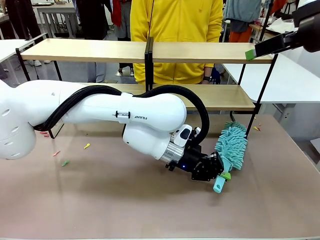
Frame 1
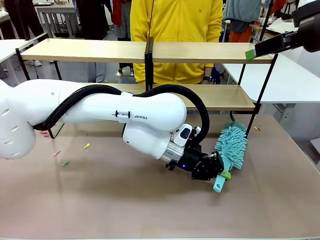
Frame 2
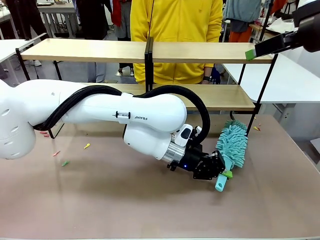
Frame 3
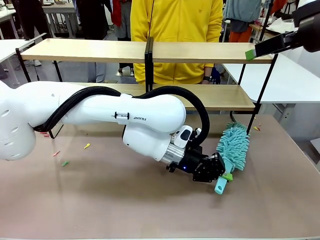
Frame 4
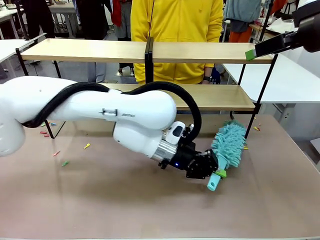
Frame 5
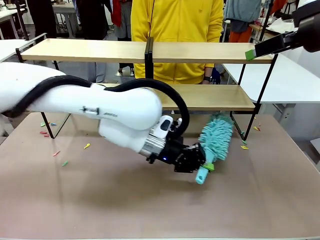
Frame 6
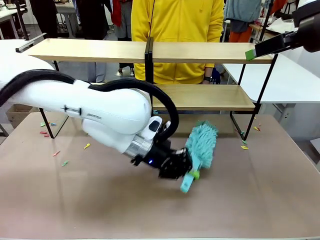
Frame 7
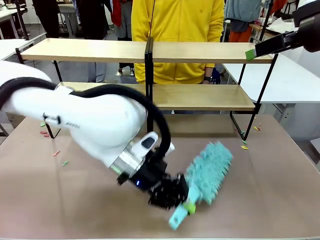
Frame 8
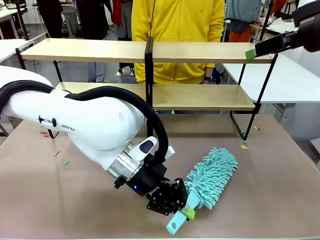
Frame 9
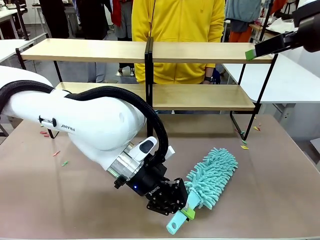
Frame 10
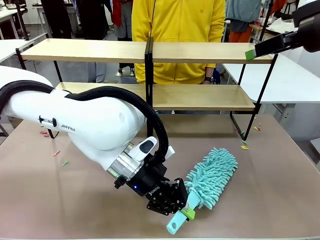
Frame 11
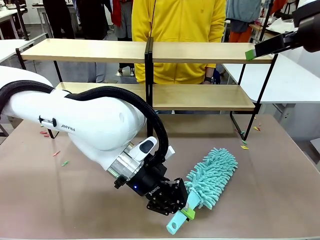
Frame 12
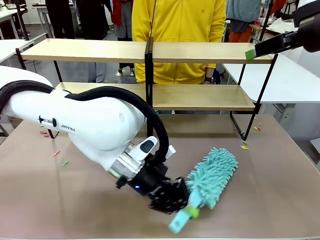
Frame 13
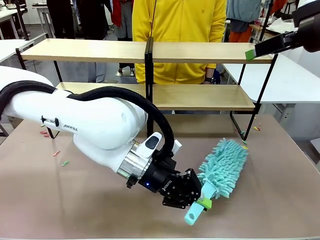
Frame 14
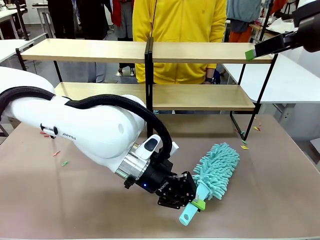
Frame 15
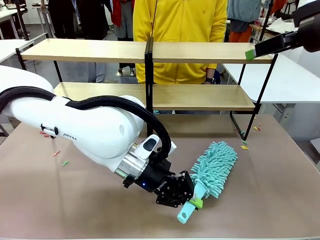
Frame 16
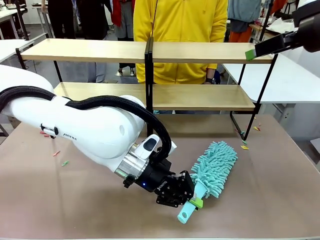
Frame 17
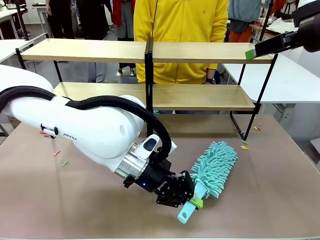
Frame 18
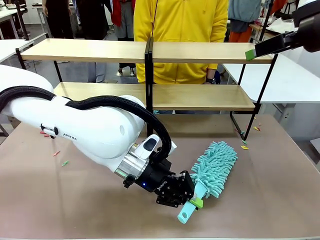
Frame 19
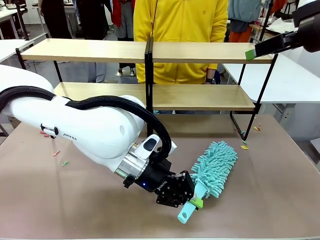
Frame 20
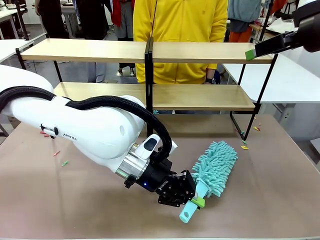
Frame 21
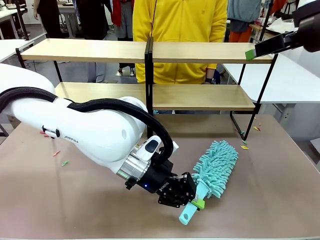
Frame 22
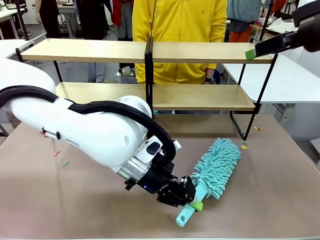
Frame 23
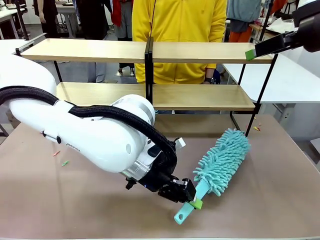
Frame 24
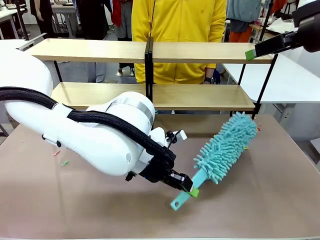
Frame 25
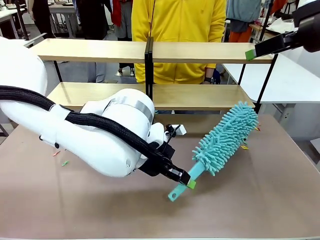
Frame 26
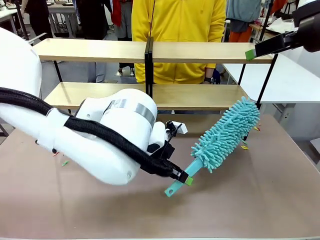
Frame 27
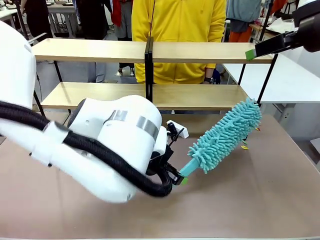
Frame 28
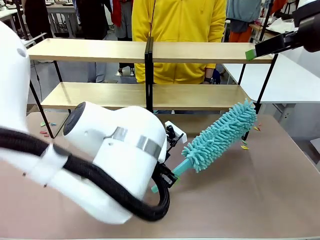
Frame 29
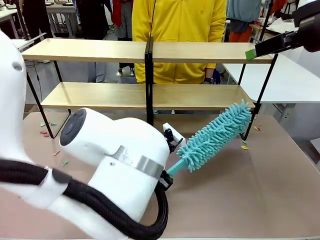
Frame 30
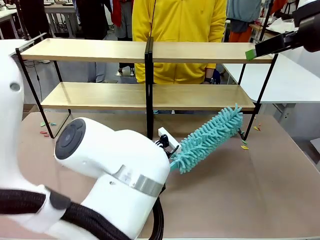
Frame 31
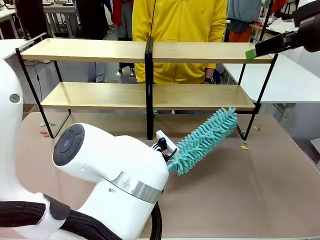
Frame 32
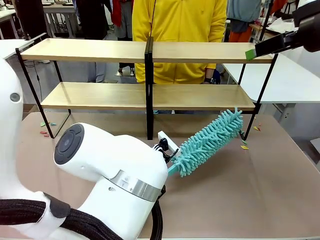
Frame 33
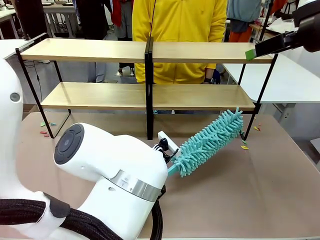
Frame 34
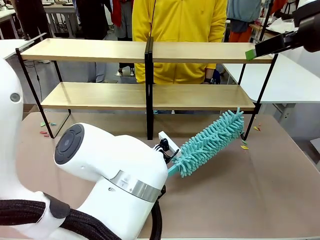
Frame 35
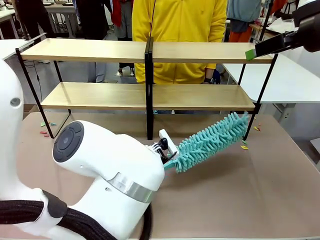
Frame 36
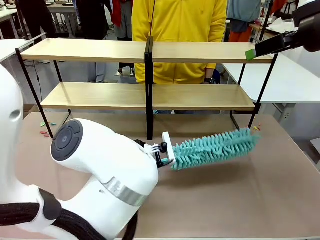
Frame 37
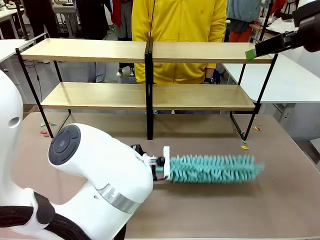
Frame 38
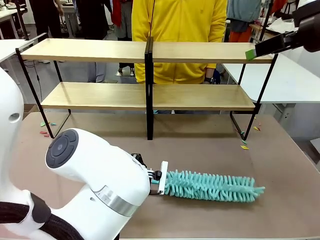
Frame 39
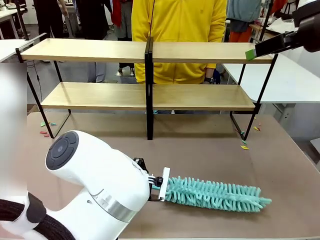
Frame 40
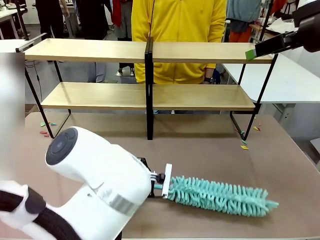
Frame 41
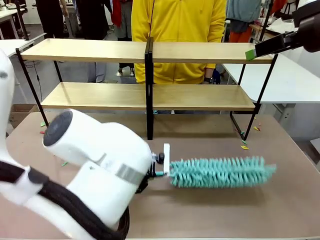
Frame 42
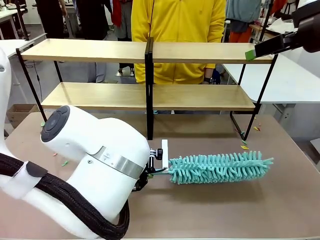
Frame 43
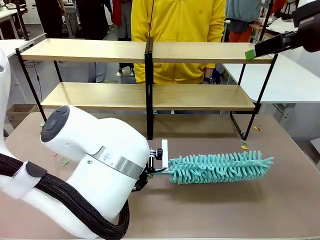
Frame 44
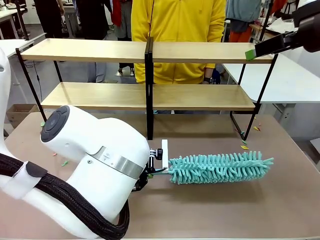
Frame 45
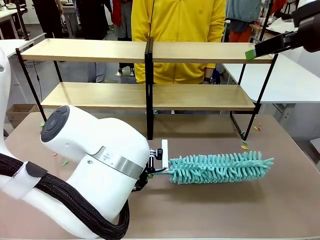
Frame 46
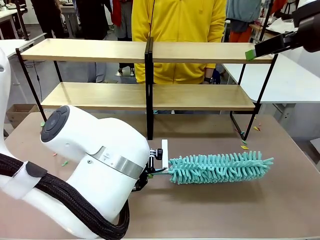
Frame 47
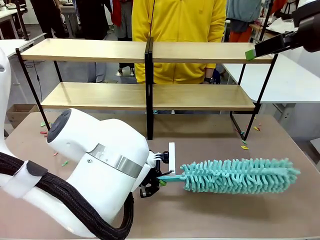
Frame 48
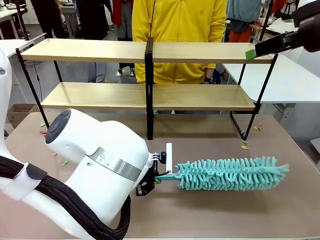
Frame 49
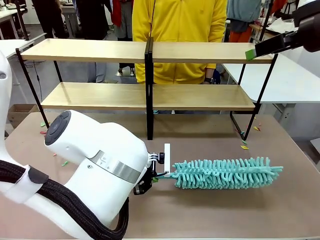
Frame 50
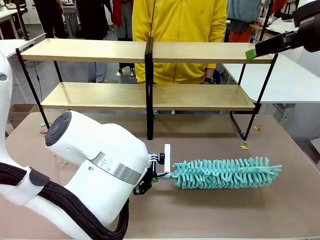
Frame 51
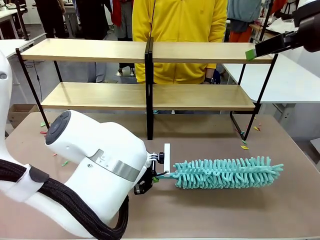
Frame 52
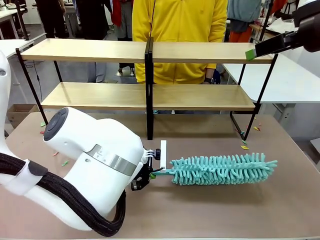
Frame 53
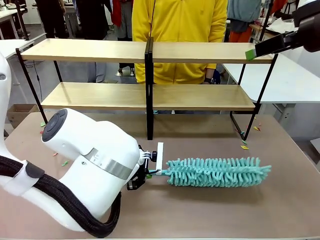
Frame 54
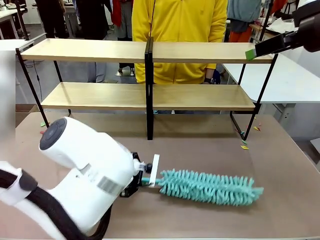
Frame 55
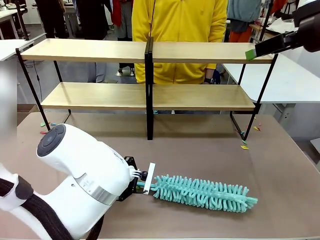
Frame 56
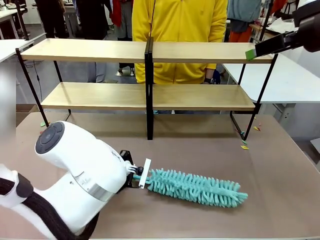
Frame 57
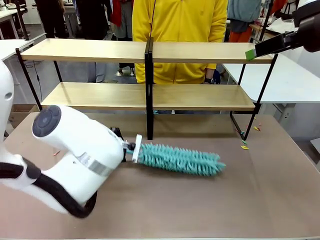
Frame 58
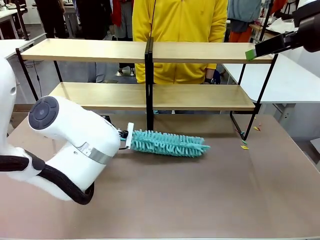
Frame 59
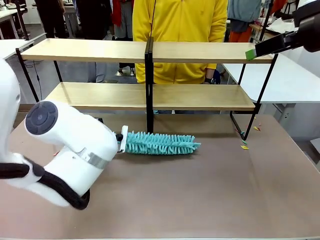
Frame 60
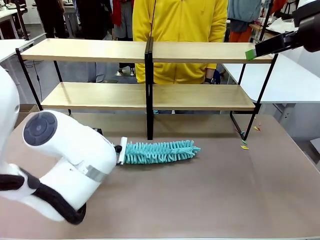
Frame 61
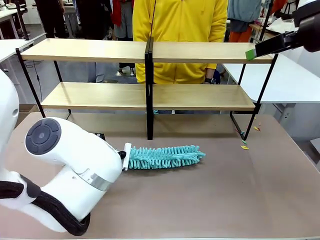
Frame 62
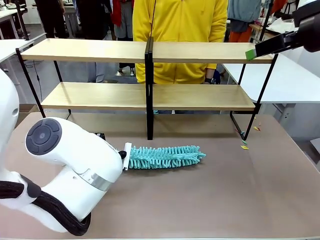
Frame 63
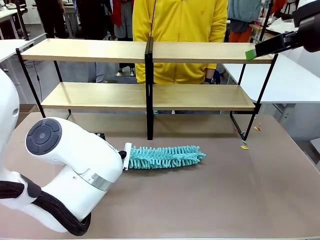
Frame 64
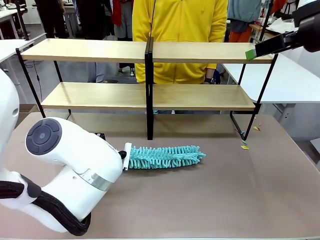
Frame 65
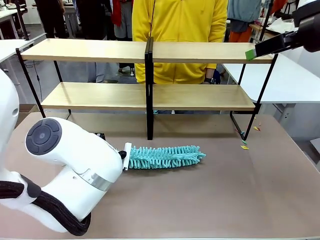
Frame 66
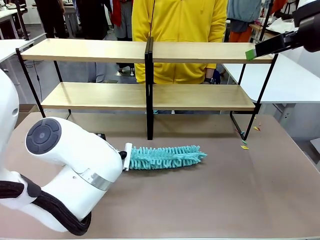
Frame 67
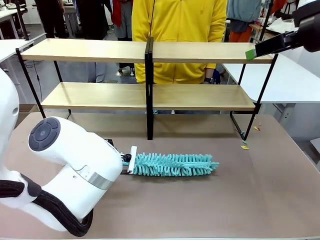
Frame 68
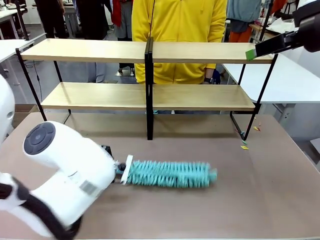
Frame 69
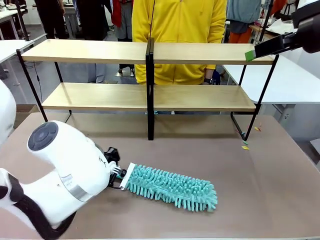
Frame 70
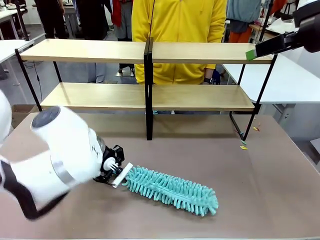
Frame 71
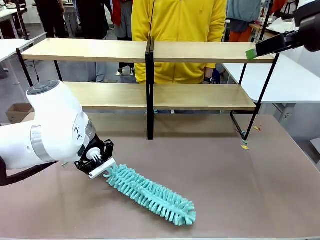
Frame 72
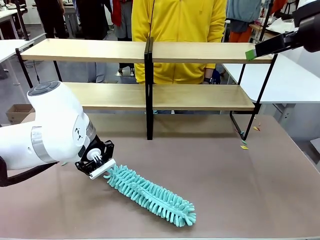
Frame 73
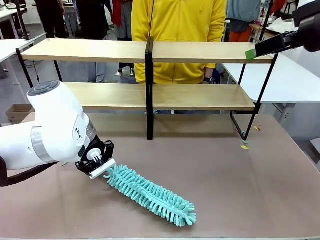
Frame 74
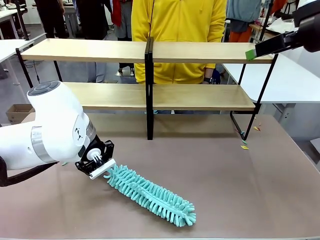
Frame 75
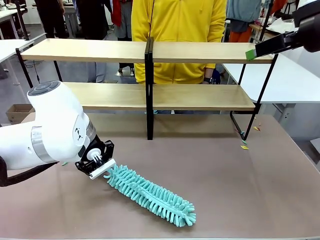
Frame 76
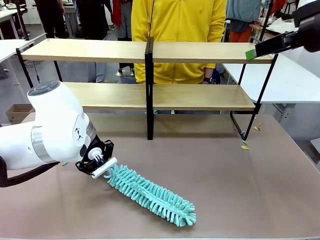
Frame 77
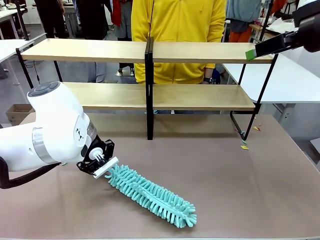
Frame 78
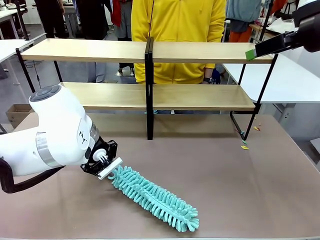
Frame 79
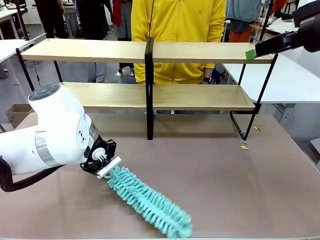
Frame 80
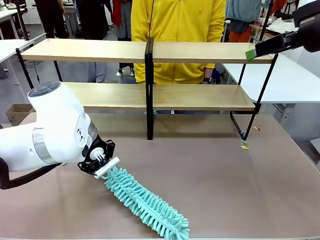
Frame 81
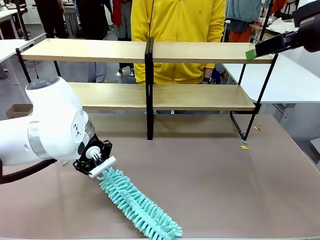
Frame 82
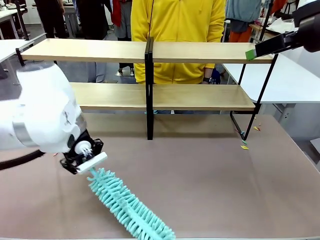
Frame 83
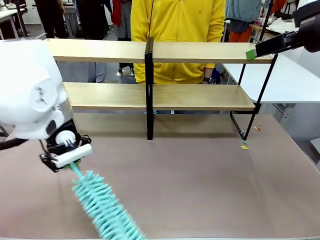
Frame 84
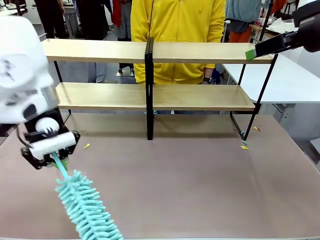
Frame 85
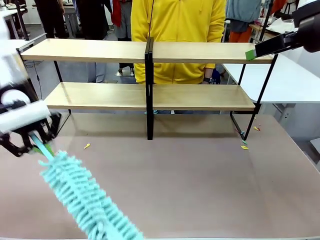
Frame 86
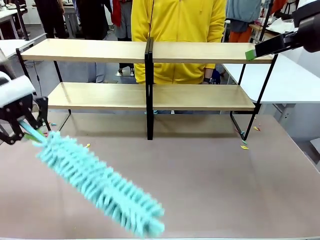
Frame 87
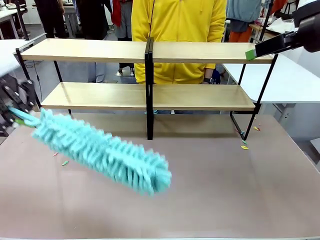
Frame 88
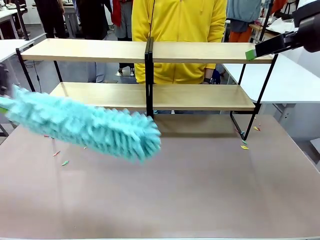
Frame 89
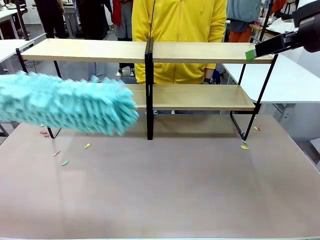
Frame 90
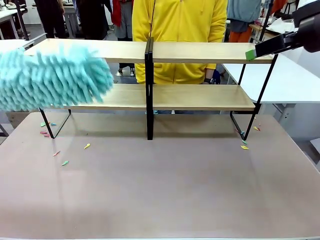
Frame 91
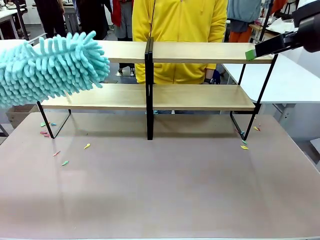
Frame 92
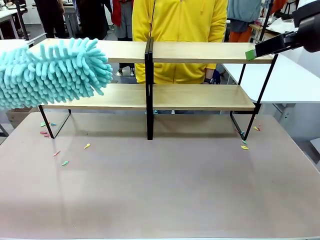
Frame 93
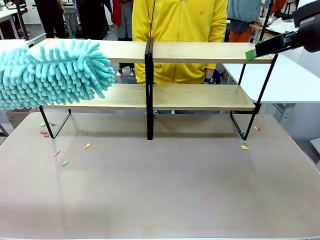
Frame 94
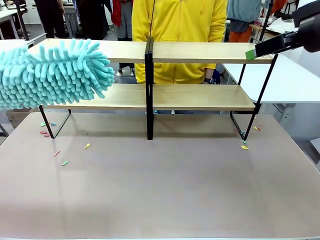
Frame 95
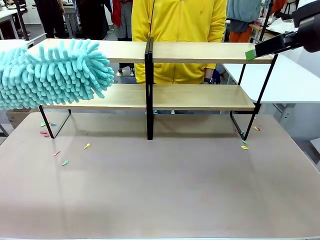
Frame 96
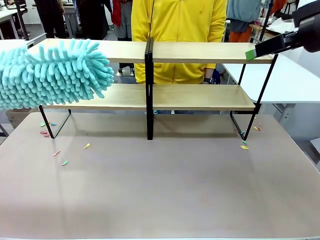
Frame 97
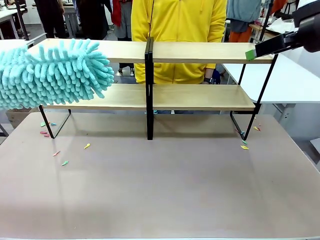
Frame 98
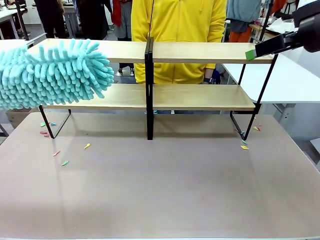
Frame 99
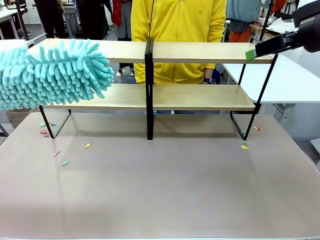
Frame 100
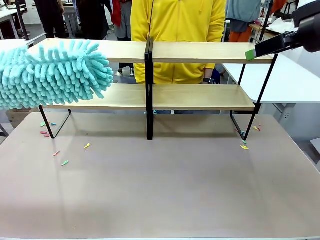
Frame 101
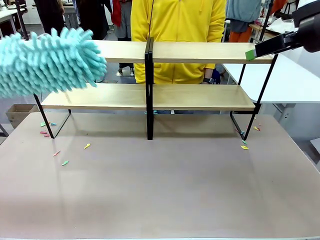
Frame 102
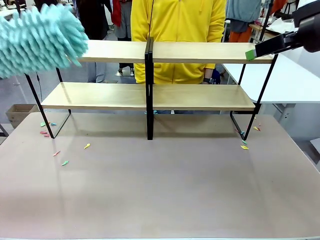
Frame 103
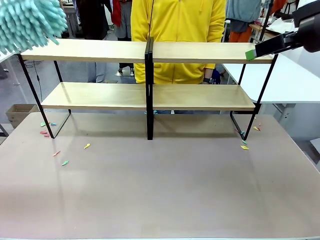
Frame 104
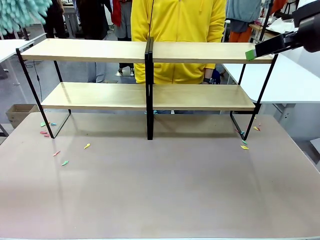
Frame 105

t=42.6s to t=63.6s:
Task: Clean the shelves.
Robot: Clean another randomly selected level of the Shelf with the Duster.

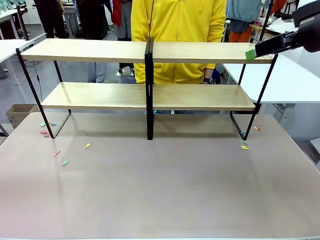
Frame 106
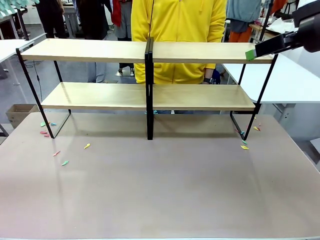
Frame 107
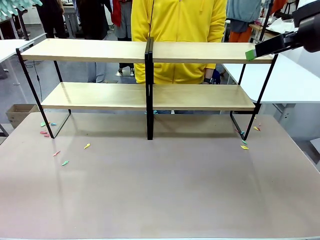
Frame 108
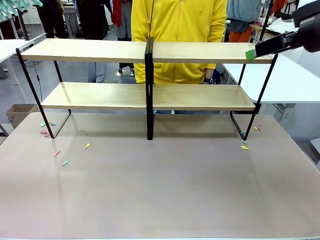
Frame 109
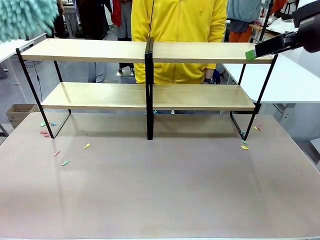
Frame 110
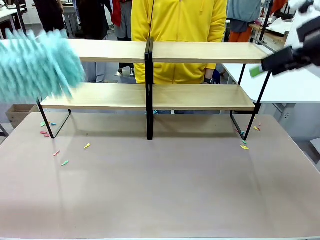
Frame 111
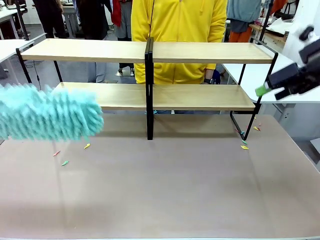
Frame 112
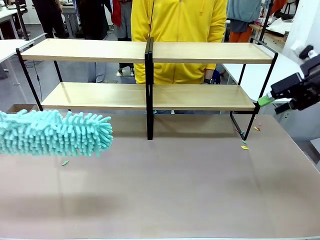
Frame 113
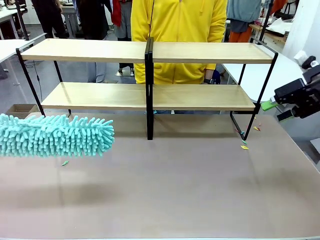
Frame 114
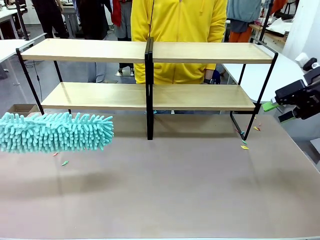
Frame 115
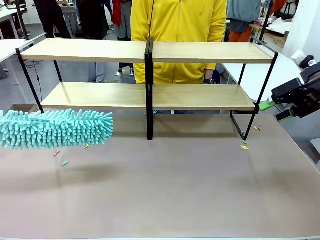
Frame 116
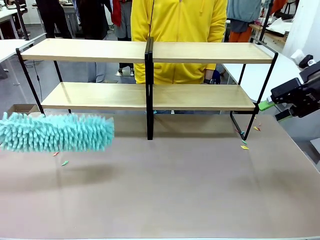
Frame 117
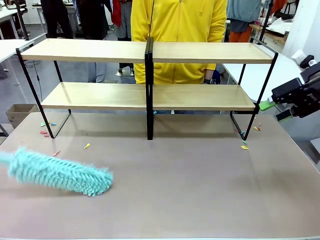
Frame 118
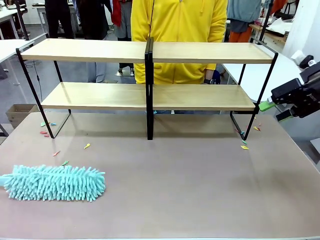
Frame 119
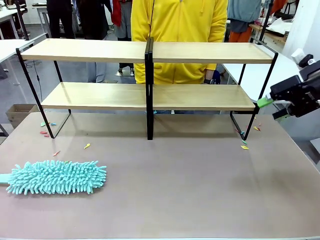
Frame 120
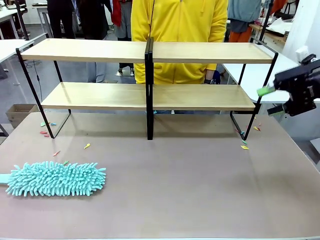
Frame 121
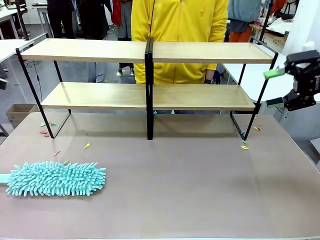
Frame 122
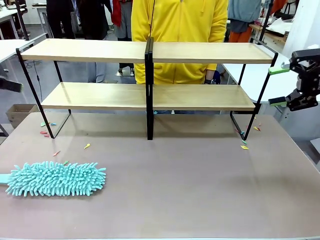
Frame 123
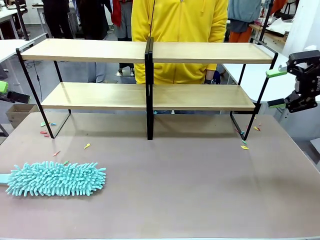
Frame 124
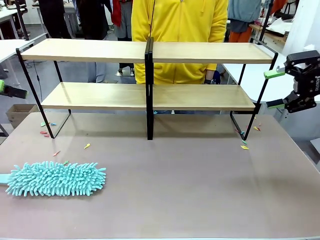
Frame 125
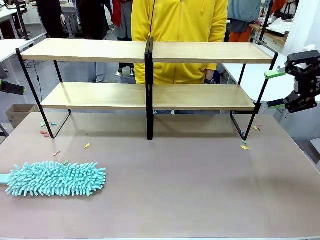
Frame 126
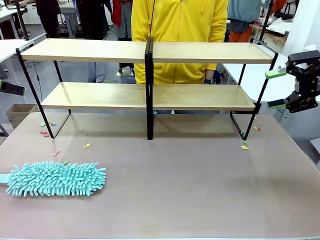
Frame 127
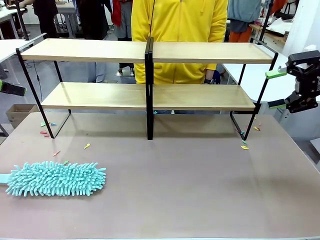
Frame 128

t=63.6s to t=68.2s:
Robot: Place the Duster on the table.
